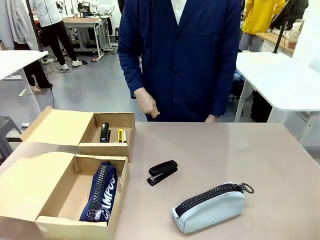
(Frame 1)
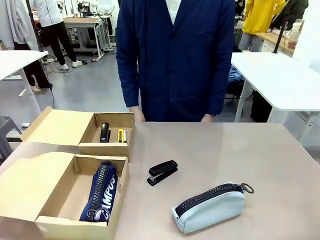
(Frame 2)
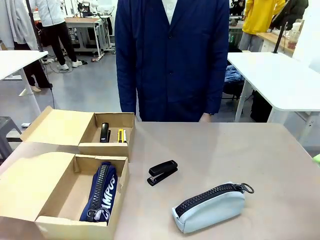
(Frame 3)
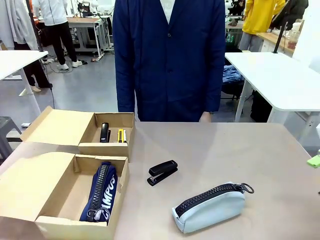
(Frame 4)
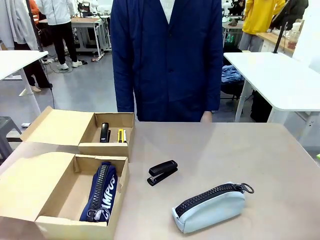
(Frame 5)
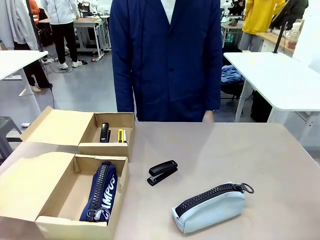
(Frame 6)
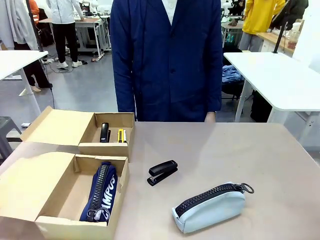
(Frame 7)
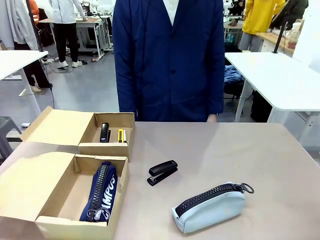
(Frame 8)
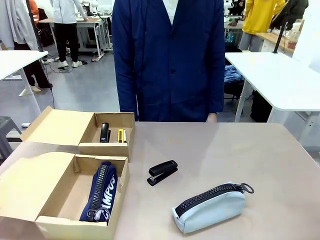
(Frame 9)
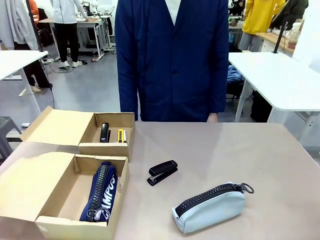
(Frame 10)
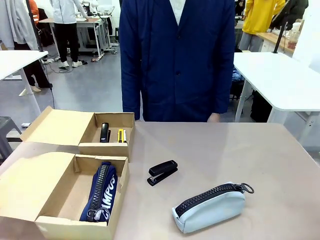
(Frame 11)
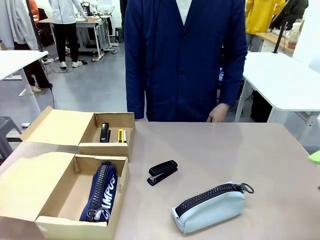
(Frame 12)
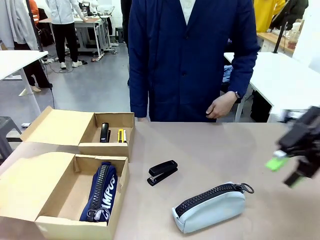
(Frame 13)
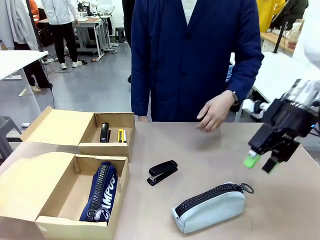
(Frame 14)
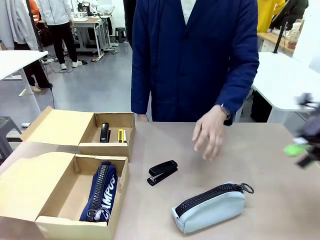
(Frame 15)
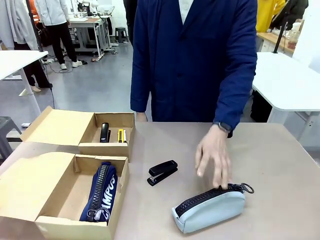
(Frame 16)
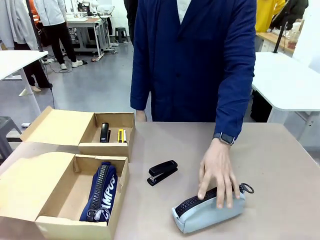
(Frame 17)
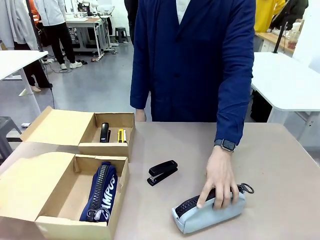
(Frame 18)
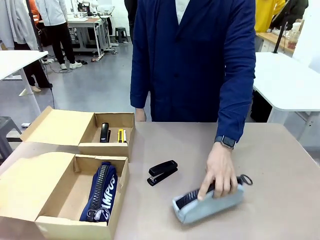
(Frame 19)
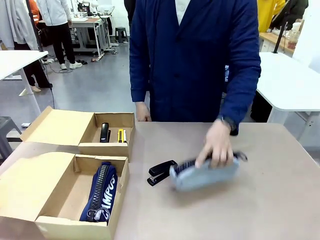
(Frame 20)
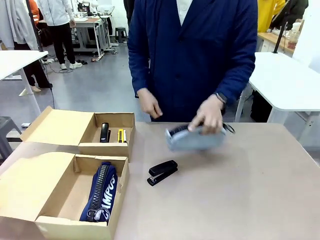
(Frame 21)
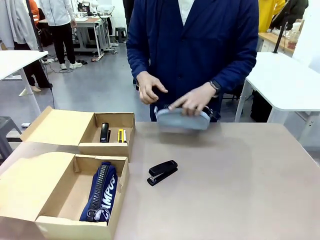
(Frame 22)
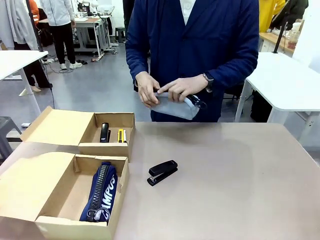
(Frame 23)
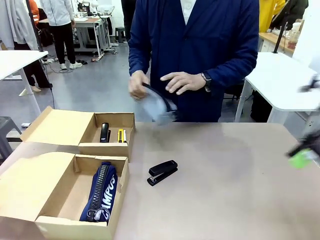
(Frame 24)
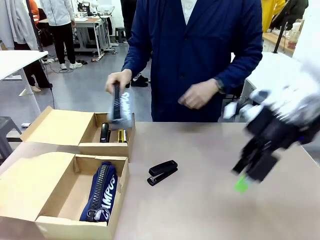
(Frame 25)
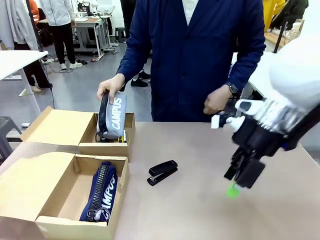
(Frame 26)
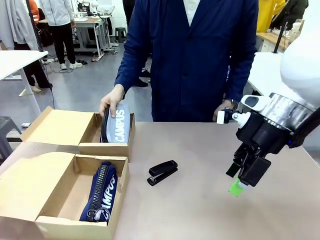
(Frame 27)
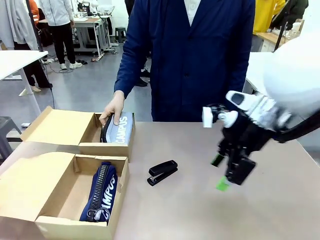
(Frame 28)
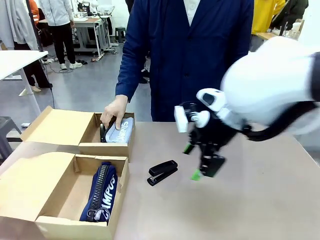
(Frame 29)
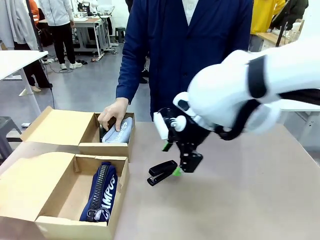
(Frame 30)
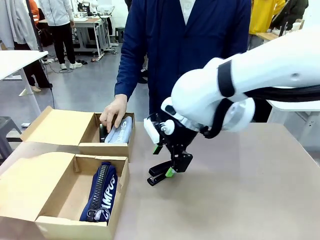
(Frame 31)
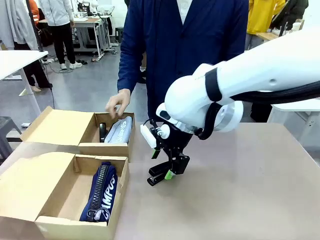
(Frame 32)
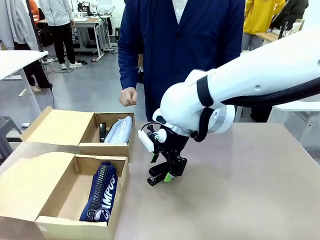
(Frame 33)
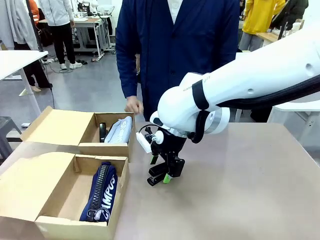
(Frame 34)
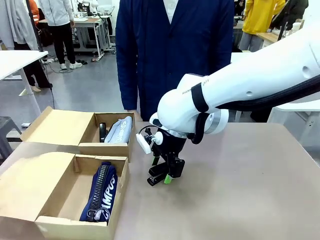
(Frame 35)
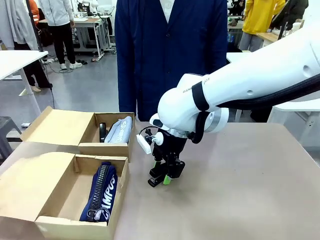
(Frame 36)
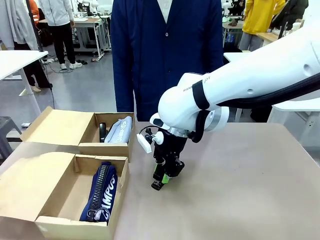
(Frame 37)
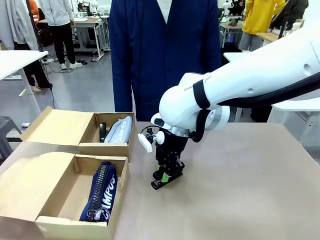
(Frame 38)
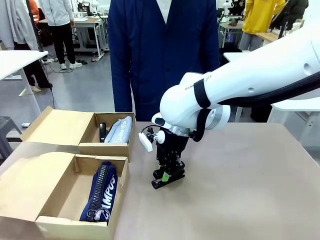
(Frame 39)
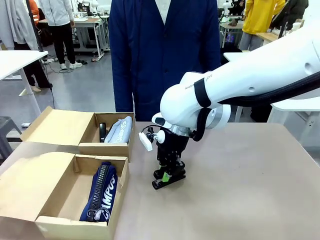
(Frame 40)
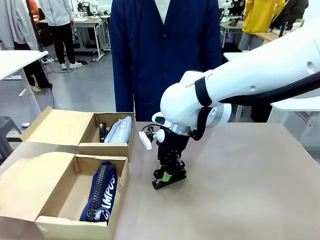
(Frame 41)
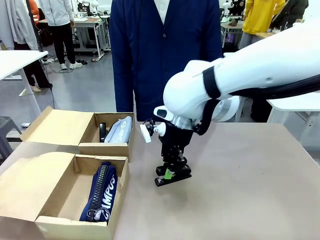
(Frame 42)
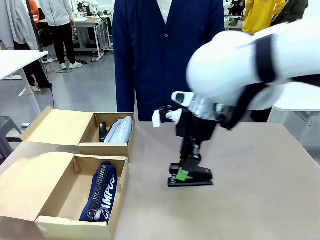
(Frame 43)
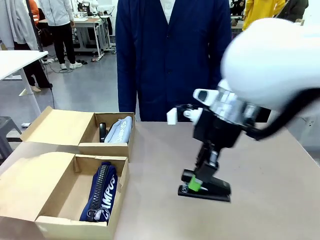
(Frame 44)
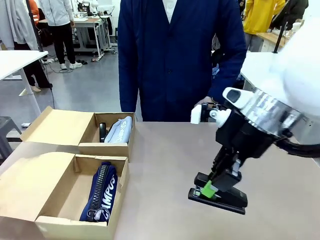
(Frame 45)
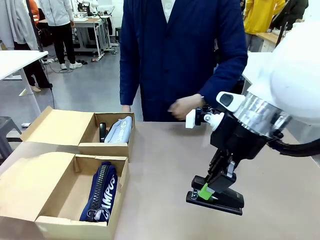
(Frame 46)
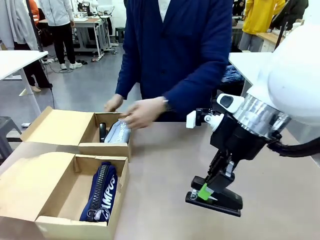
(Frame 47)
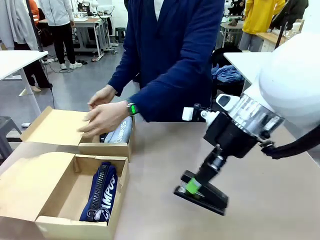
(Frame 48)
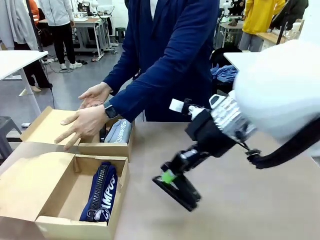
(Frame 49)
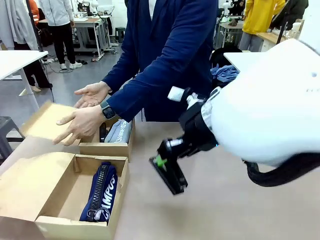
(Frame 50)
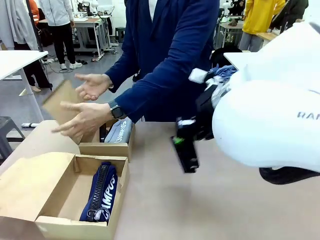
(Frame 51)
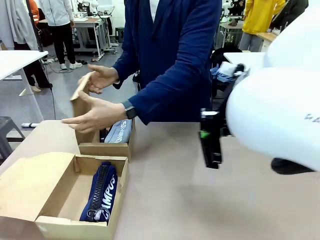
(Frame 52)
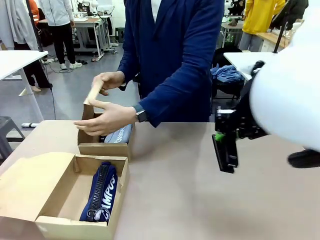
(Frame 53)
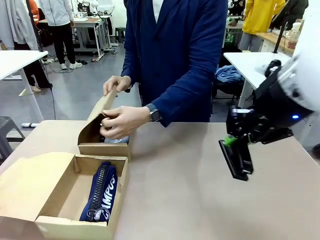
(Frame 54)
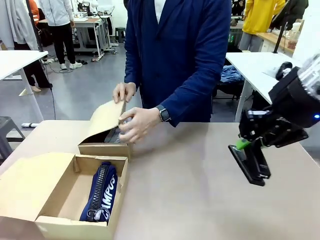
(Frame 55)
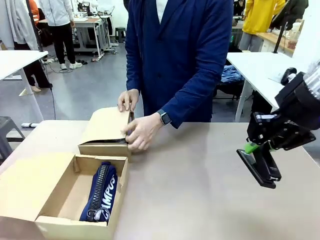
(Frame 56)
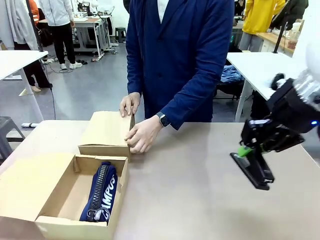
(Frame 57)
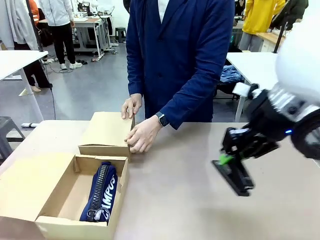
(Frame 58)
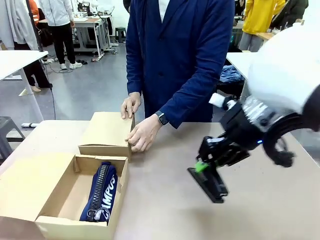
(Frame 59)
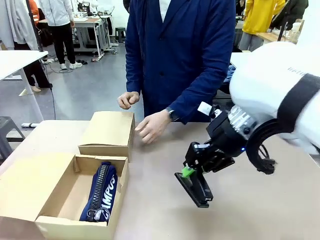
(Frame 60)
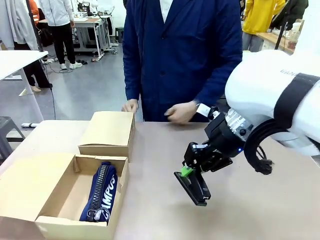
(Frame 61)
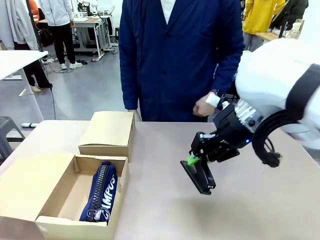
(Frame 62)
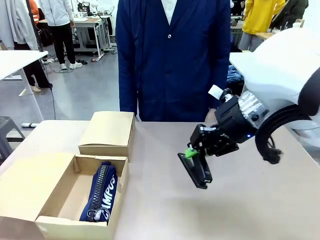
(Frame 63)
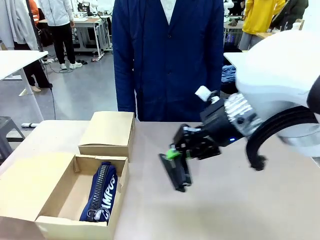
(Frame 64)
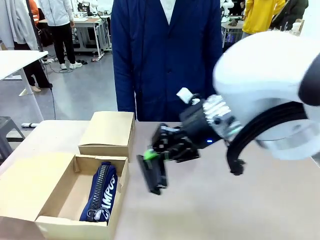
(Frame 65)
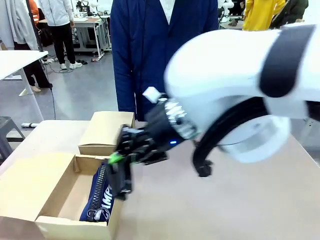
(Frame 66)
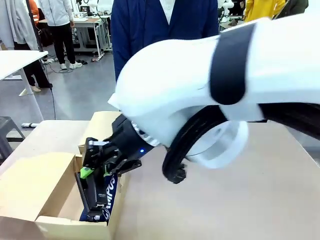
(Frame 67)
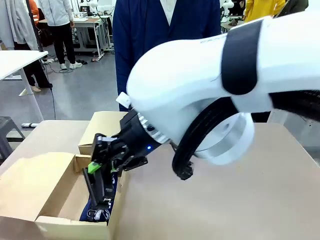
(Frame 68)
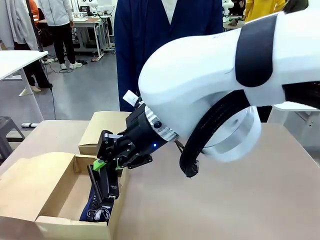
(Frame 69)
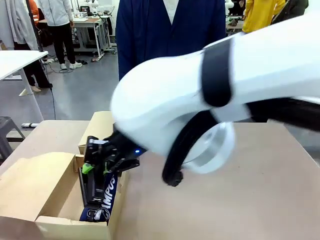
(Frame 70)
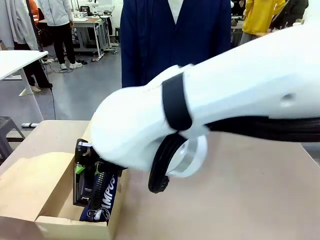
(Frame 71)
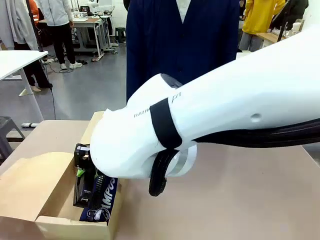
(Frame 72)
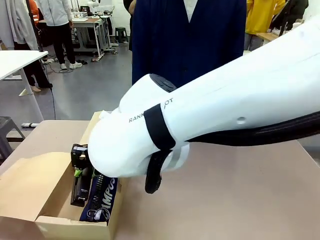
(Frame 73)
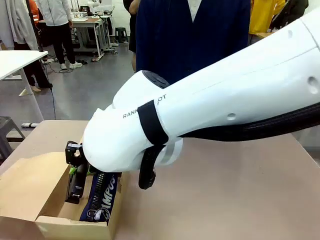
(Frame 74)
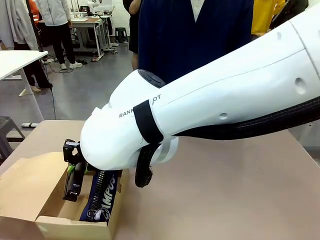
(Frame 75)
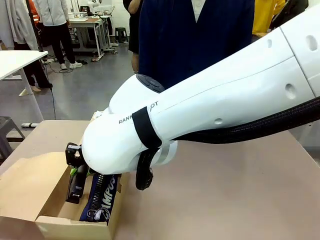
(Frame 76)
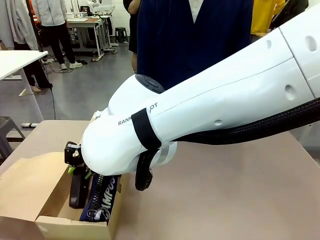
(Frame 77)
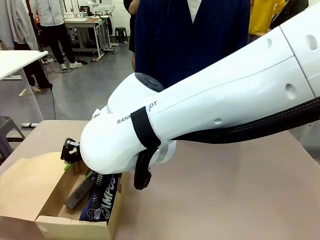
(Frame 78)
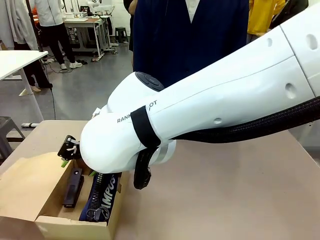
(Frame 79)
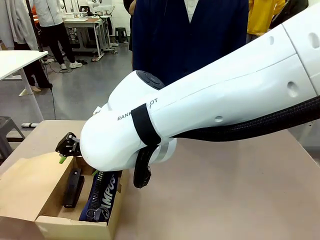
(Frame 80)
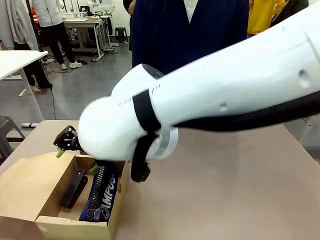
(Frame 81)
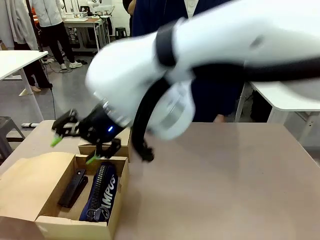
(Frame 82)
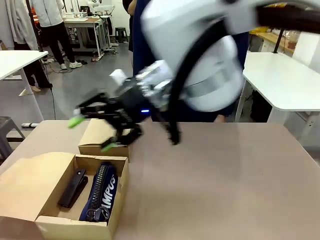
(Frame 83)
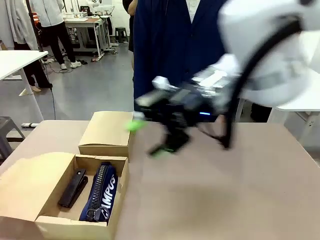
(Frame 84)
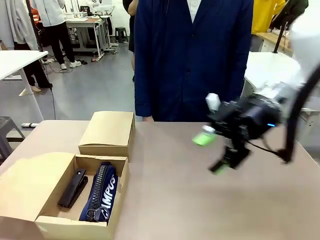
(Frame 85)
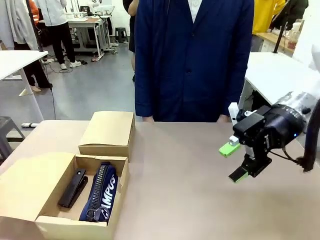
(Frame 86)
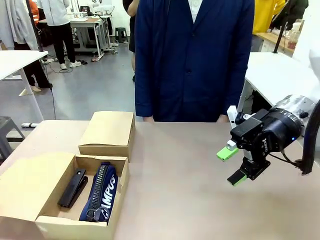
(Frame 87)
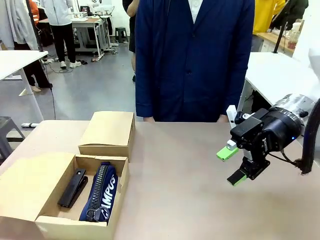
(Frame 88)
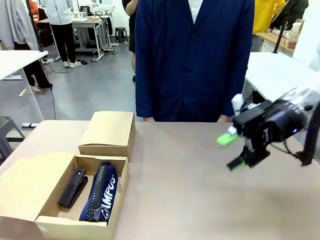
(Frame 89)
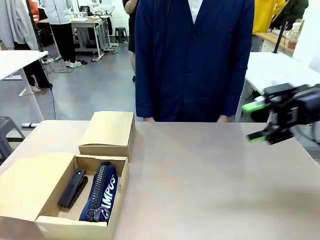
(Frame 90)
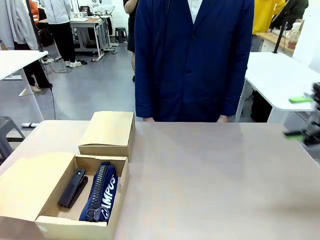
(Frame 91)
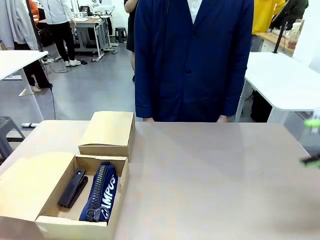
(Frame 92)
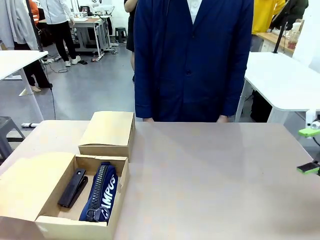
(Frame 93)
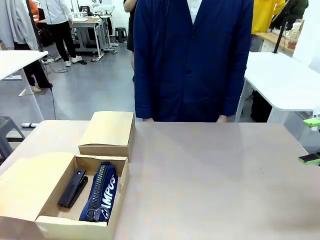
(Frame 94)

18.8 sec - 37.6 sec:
Task: Place items inside the box.
Robot: Pick up a Pencil pouch or Stapler and place it inside the Mailer Box closest to the robot.
Person: Close the lid of the box facing the person.
